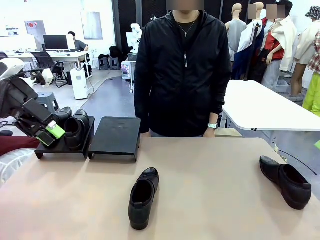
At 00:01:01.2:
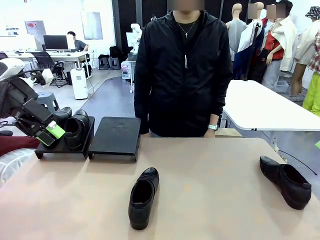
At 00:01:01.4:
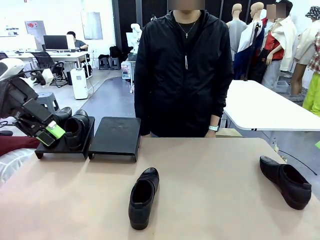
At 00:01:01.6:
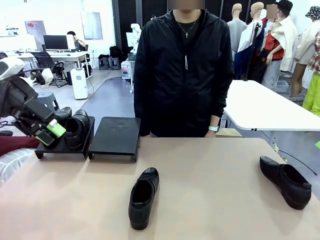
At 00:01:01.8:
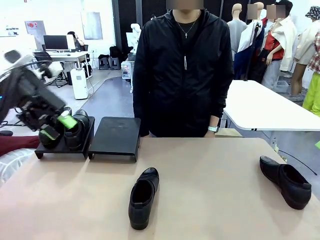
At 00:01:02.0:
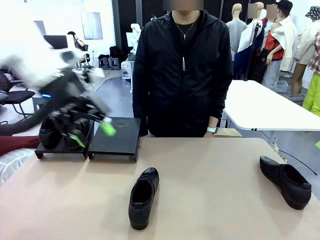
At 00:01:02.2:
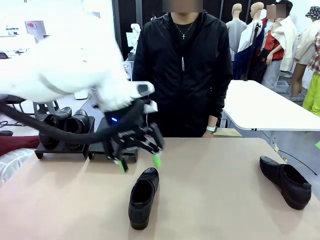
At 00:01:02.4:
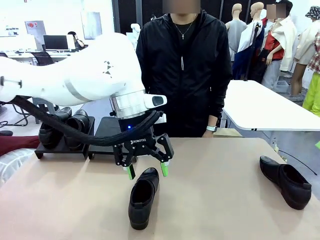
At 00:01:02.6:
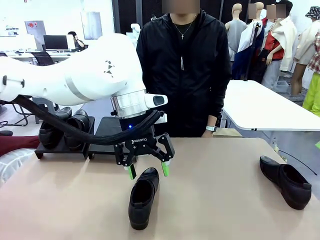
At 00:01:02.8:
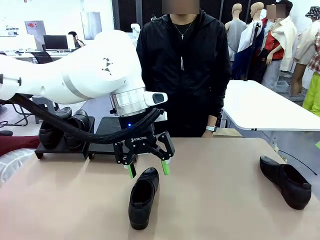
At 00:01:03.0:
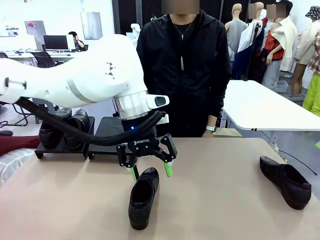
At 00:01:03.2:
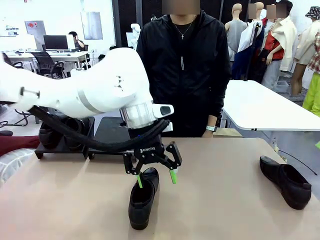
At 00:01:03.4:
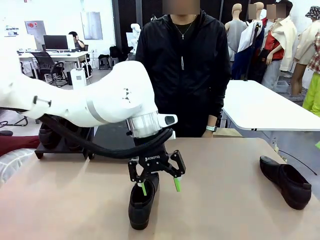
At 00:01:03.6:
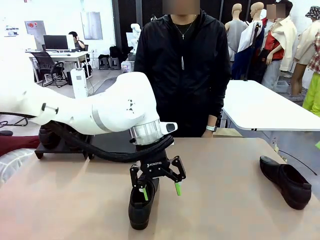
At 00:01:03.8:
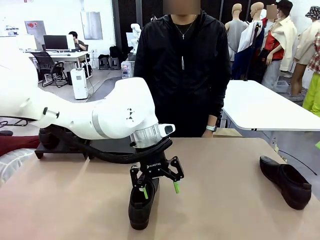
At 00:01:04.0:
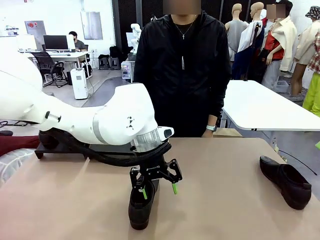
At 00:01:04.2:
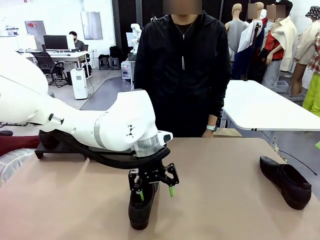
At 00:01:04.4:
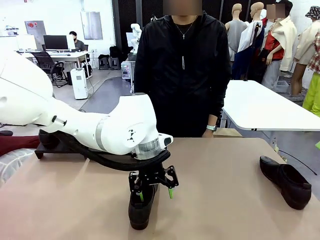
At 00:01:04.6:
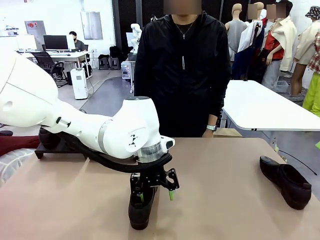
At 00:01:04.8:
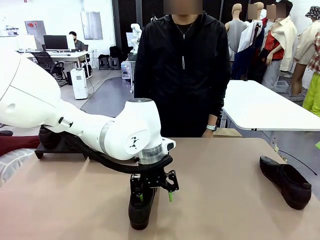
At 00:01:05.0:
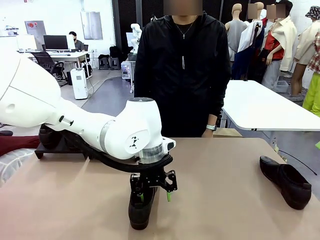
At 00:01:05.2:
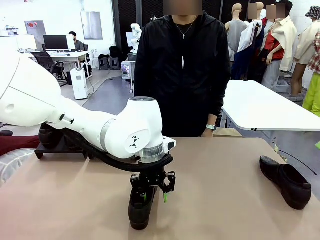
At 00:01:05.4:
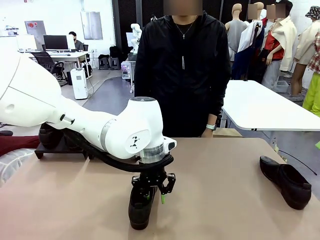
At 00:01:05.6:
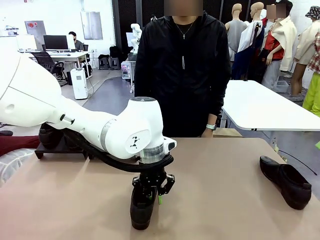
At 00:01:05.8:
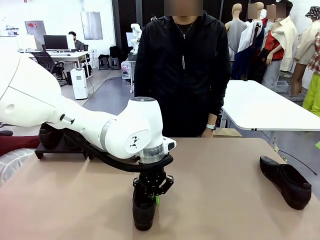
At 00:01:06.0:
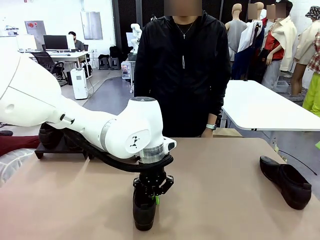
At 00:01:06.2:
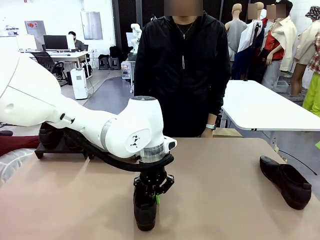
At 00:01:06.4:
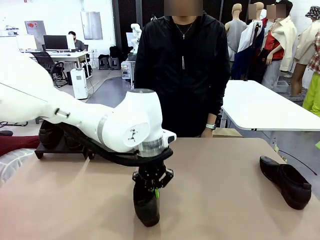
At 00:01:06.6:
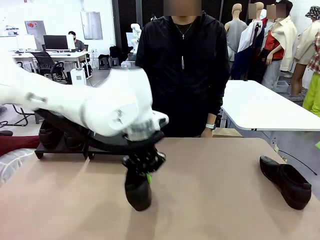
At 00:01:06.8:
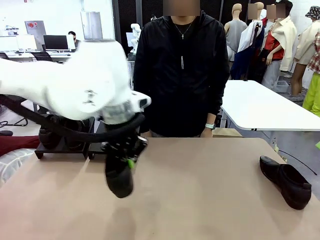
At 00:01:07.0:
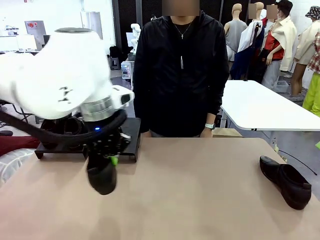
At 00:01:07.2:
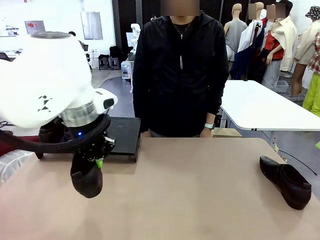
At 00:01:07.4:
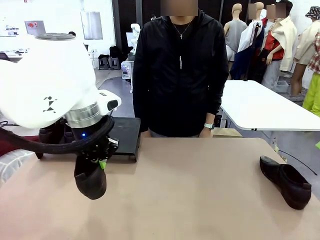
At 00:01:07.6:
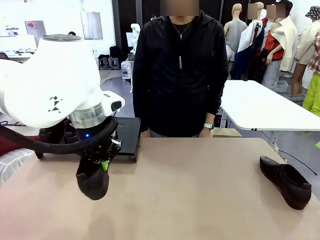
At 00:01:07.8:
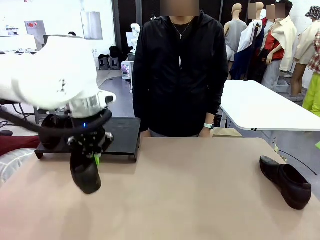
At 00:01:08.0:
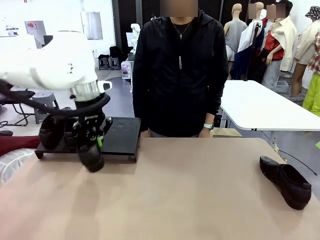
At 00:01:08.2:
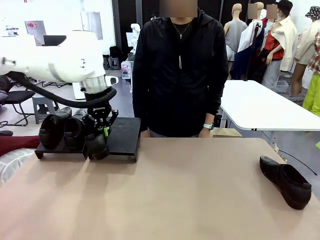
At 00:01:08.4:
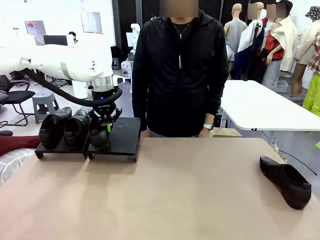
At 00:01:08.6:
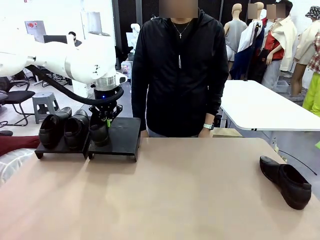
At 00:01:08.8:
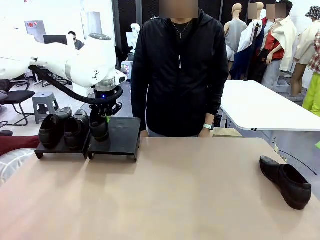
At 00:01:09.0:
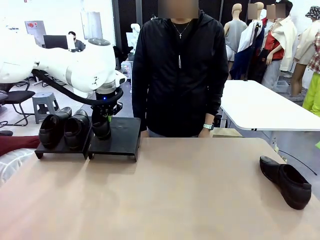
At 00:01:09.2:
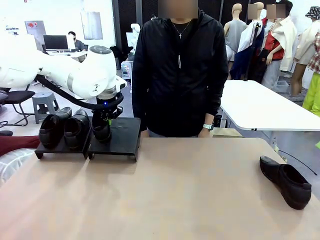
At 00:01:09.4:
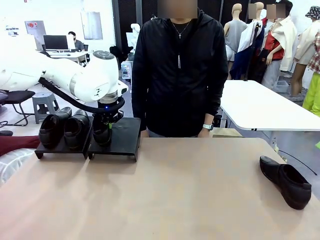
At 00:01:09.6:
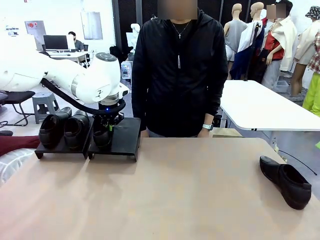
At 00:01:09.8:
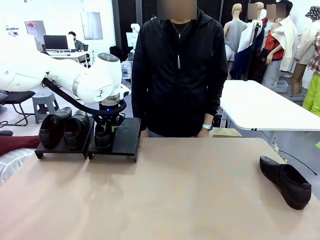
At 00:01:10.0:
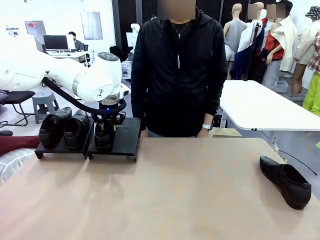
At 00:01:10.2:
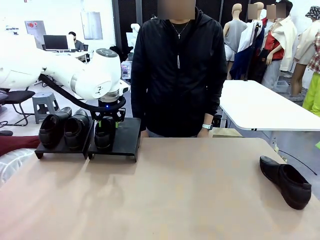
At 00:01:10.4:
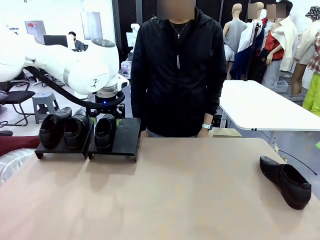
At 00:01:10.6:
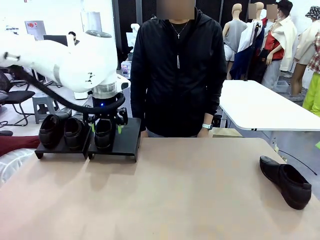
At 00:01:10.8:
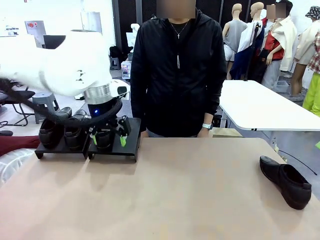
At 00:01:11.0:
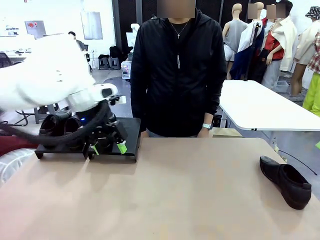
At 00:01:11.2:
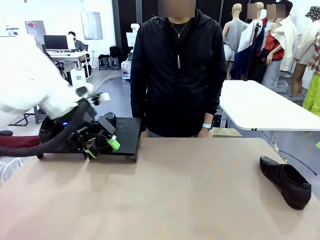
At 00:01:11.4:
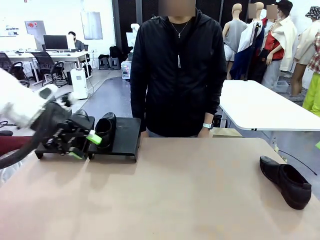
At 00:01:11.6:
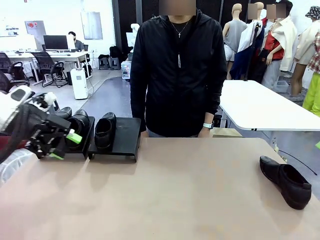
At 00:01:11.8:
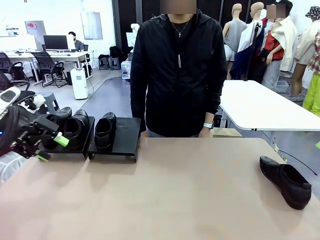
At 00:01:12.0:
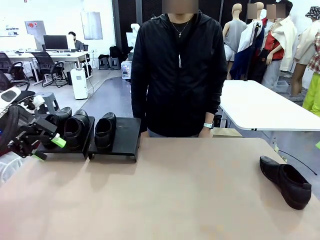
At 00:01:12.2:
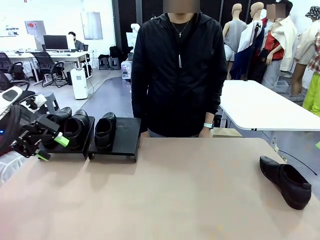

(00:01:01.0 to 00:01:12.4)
Task: Organize the shoes by placing them on the stand.
Robot: Place the Shoe from the middle of the table onto the Shoes Stand.

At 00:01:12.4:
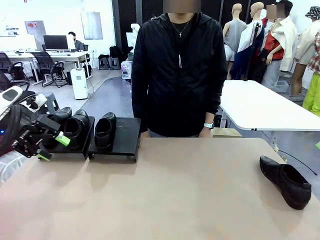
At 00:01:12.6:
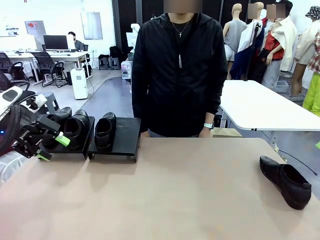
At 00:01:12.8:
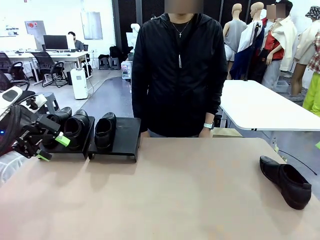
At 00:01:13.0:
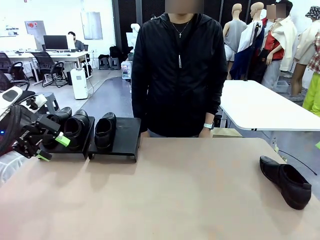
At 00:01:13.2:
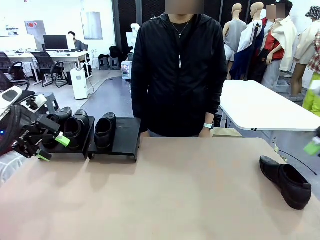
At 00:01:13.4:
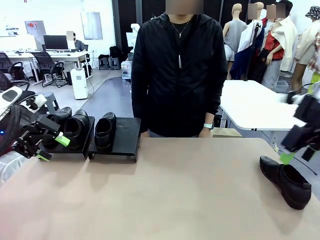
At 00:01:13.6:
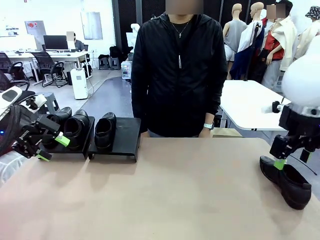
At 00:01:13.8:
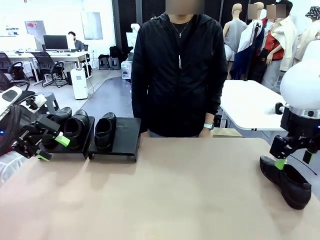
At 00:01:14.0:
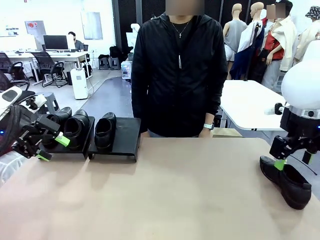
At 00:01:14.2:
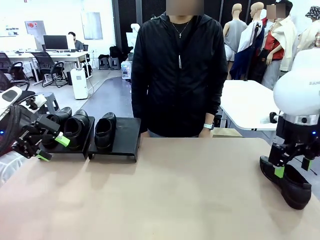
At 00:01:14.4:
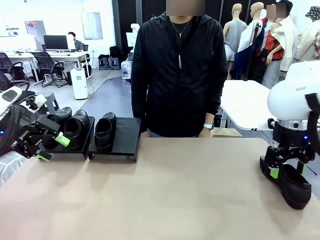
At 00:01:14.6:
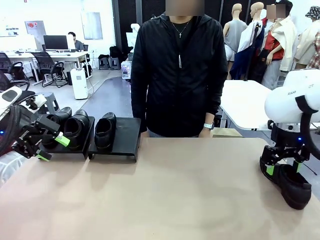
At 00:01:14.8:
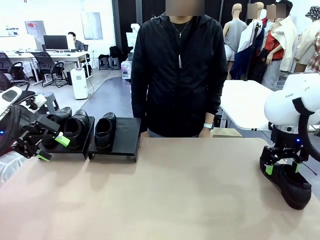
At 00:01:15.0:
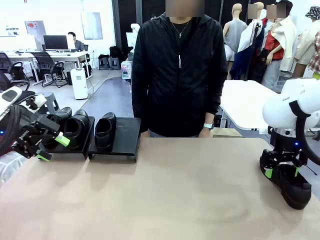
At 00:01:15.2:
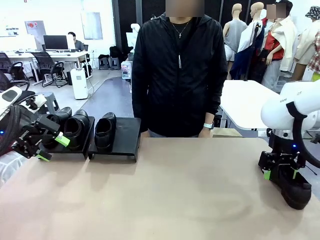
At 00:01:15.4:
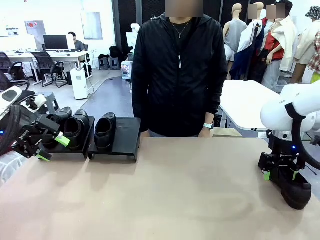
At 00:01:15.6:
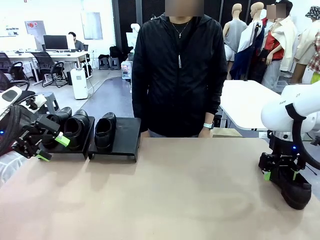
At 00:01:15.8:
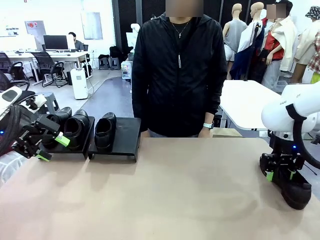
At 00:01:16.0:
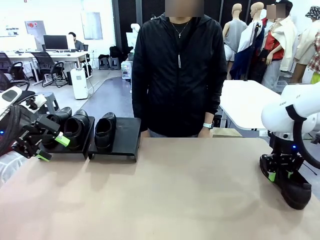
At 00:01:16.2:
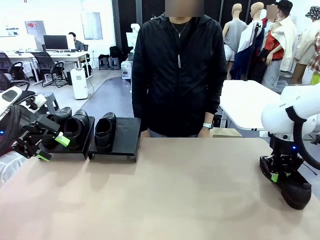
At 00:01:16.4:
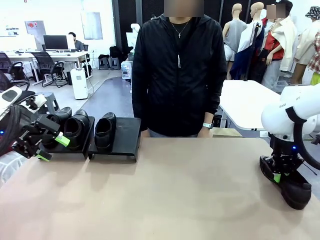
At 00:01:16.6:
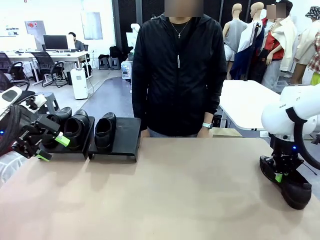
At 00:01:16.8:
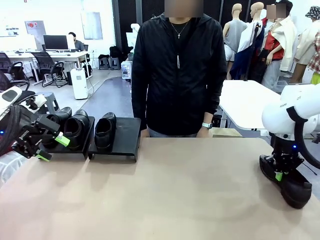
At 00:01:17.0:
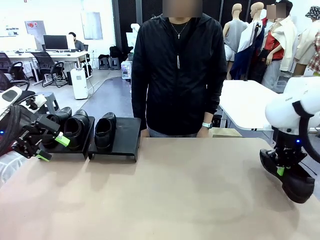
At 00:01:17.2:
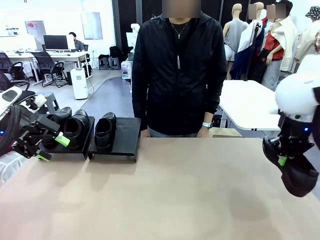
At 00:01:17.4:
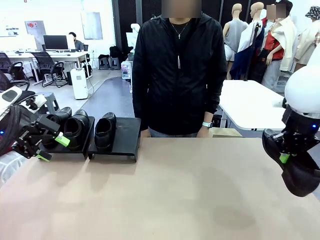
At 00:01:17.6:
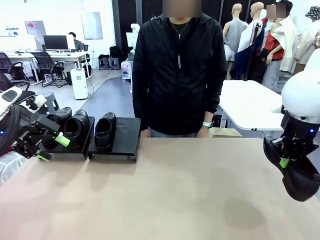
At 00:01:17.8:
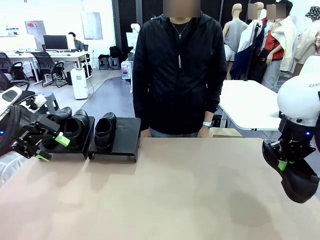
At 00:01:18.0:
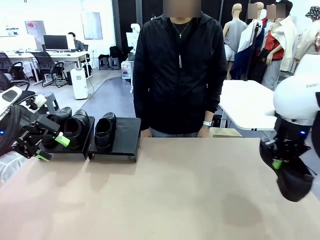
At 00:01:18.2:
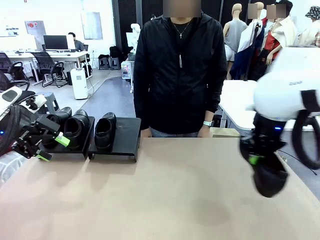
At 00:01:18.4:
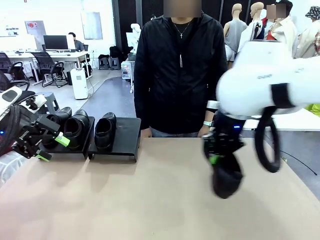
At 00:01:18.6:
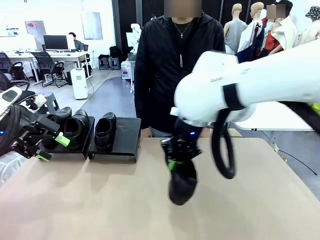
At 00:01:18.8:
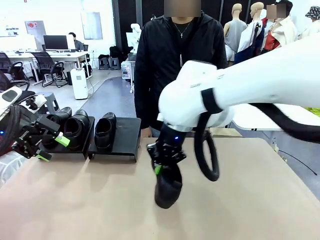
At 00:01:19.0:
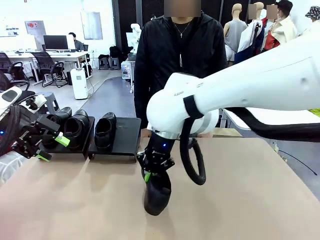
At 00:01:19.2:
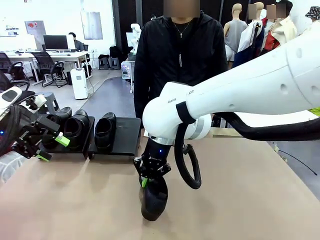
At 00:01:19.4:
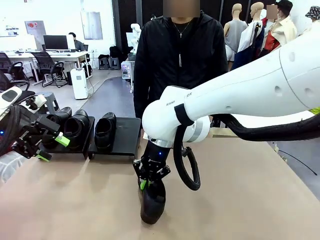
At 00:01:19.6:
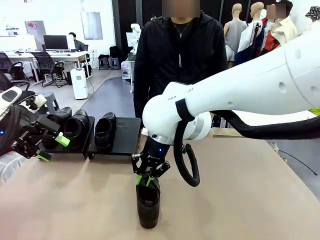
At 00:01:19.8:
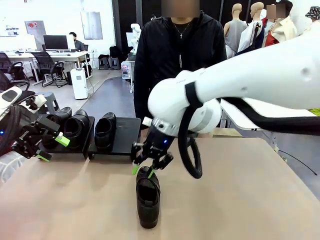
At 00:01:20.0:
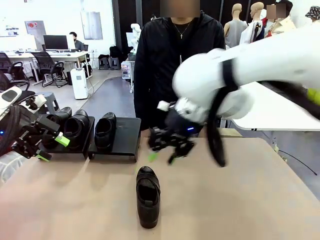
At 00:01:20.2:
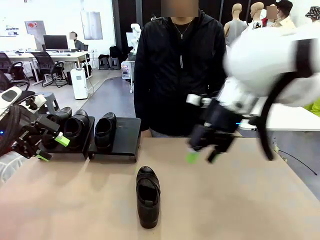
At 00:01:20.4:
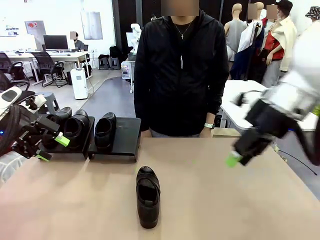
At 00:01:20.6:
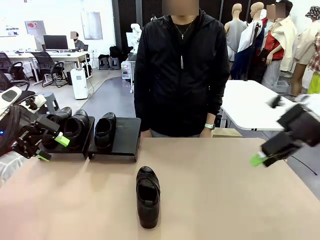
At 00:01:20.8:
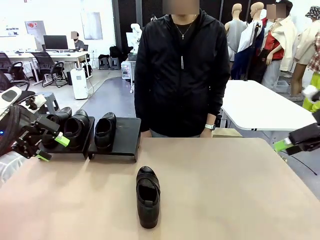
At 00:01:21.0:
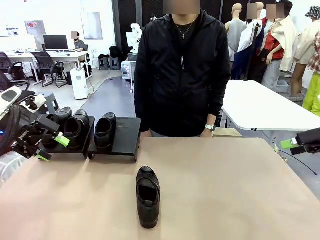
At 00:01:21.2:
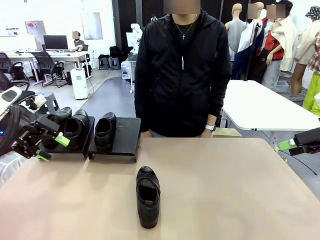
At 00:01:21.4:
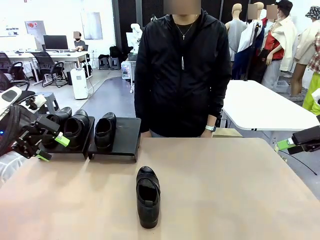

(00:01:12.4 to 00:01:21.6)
Robot: Pick up one Shoe and place it in the middle of the table.
